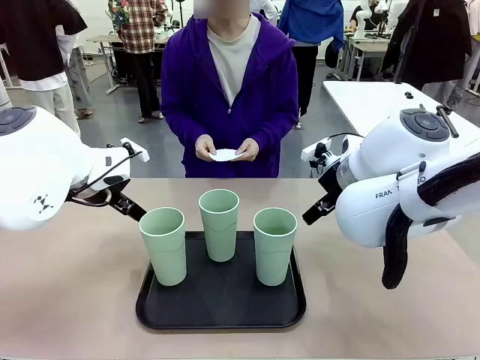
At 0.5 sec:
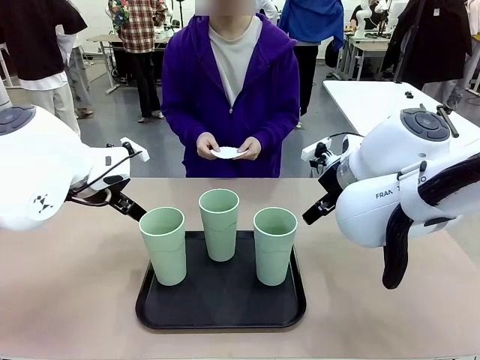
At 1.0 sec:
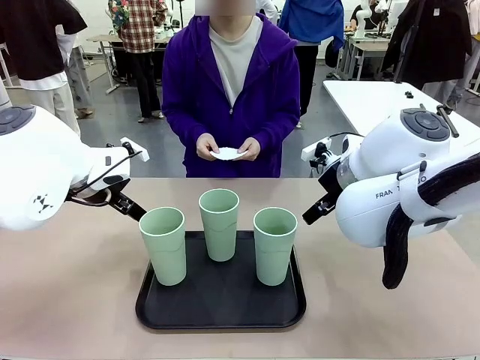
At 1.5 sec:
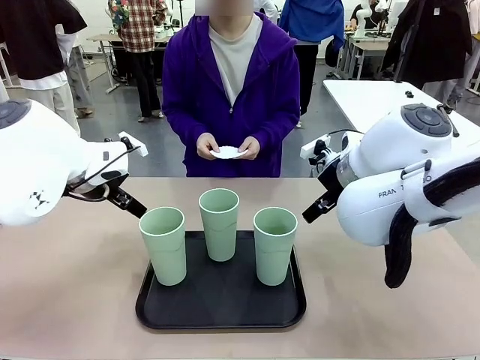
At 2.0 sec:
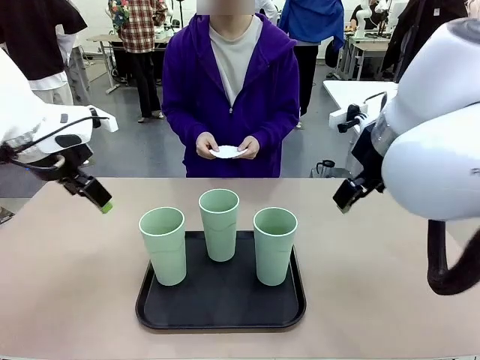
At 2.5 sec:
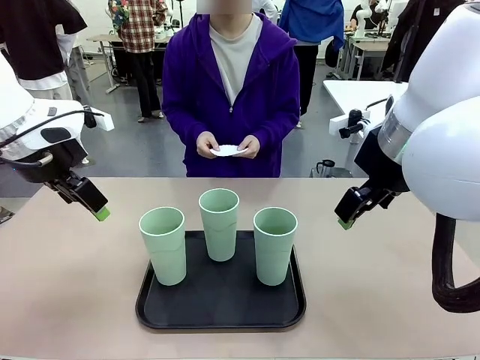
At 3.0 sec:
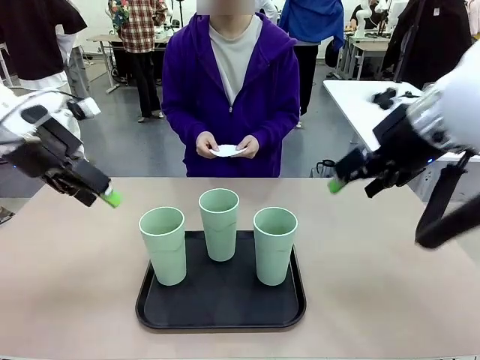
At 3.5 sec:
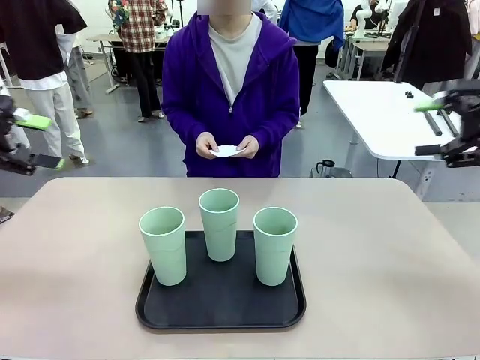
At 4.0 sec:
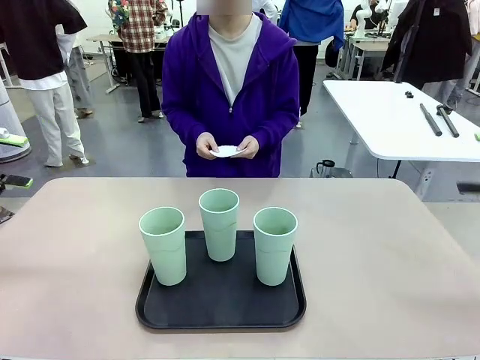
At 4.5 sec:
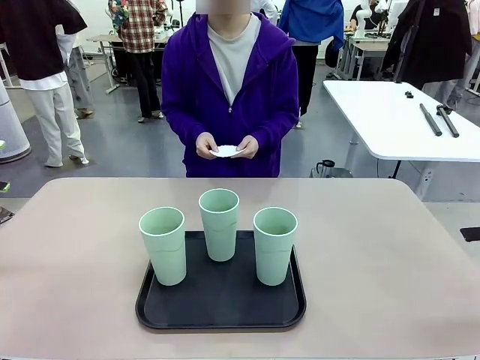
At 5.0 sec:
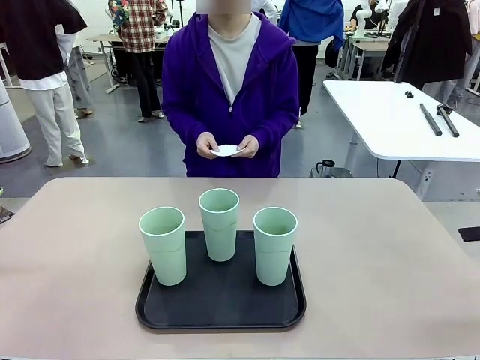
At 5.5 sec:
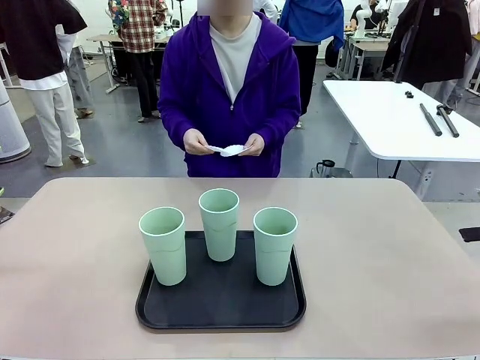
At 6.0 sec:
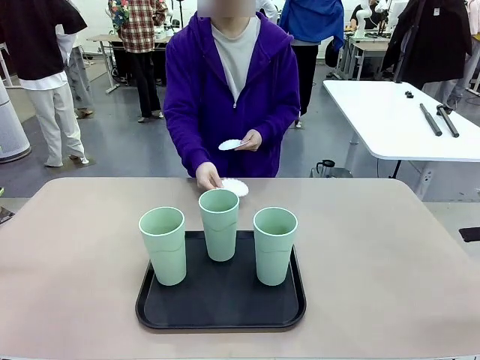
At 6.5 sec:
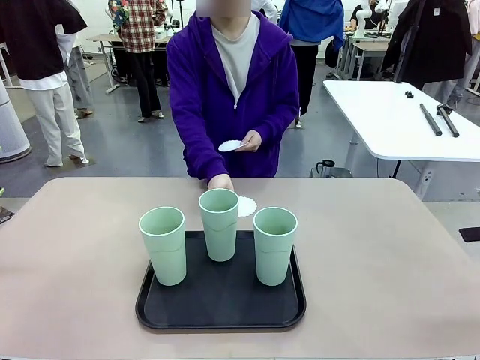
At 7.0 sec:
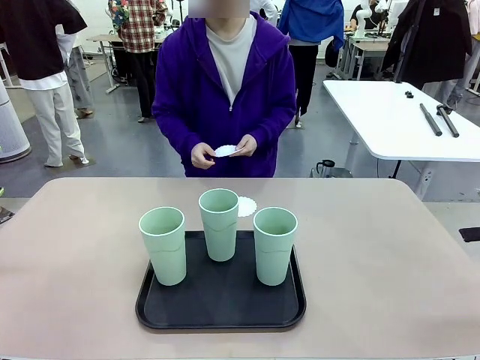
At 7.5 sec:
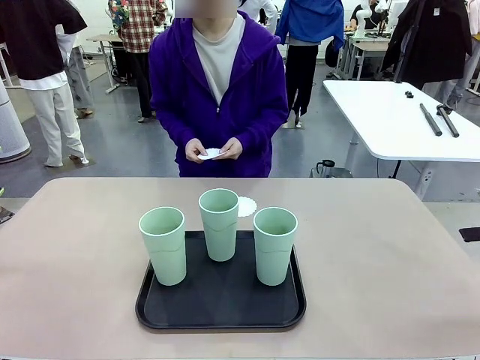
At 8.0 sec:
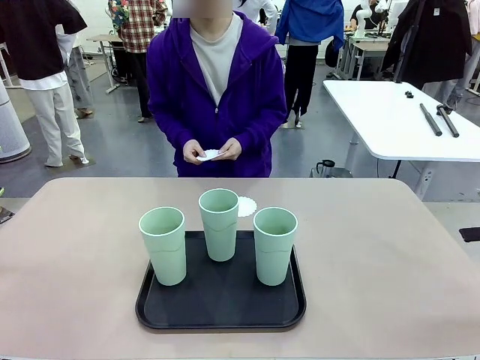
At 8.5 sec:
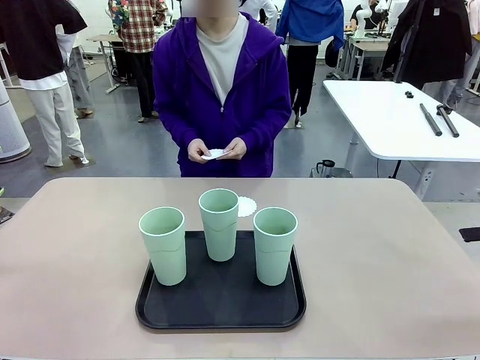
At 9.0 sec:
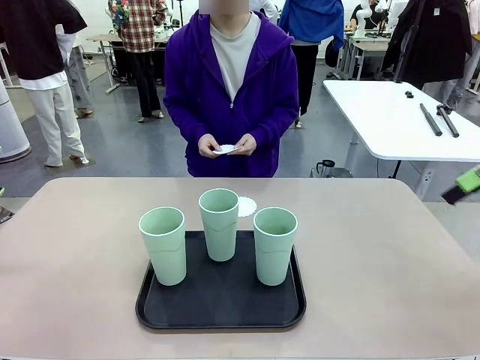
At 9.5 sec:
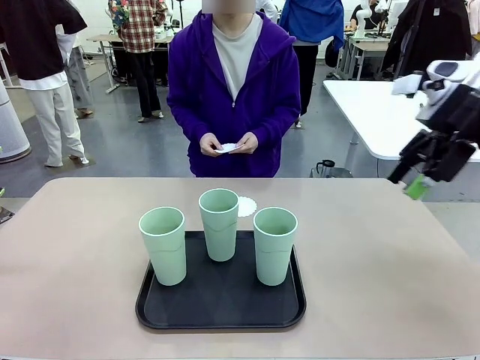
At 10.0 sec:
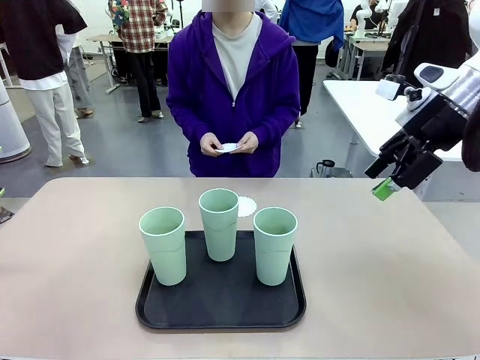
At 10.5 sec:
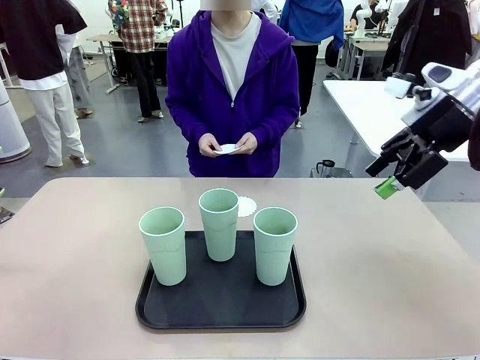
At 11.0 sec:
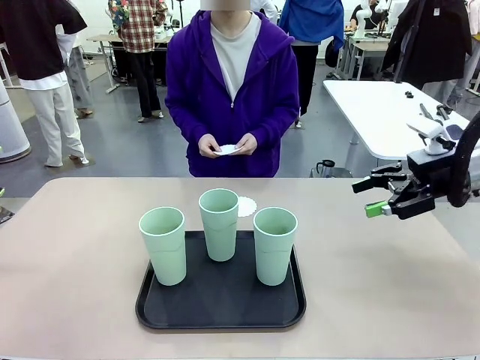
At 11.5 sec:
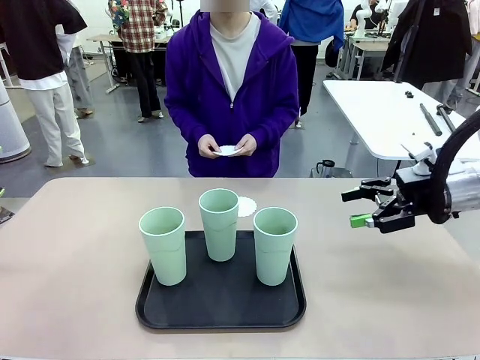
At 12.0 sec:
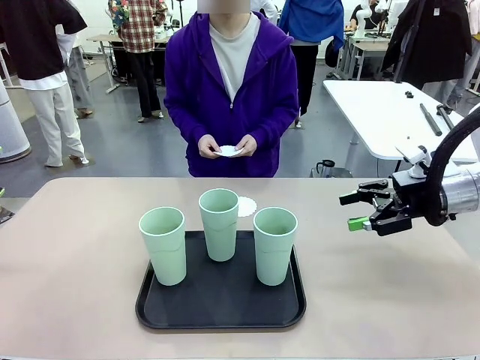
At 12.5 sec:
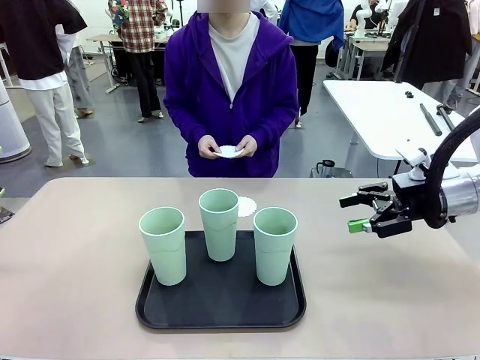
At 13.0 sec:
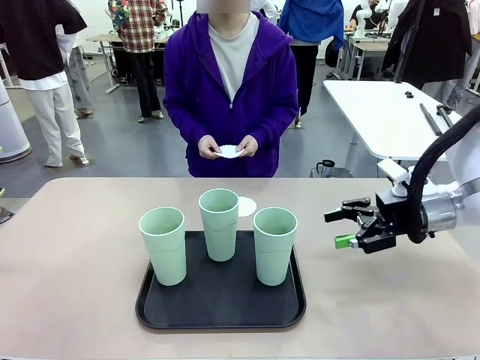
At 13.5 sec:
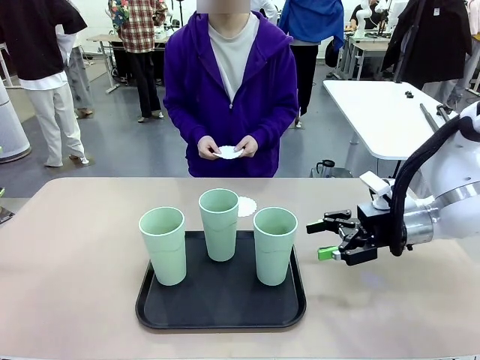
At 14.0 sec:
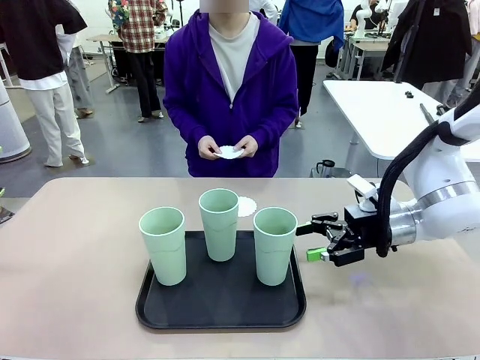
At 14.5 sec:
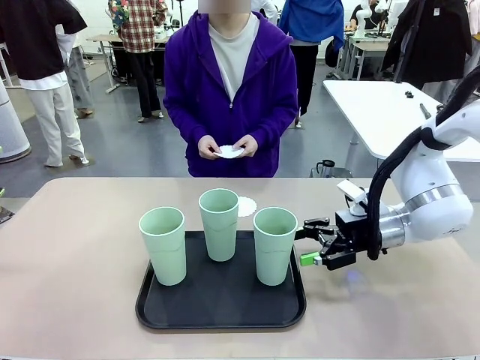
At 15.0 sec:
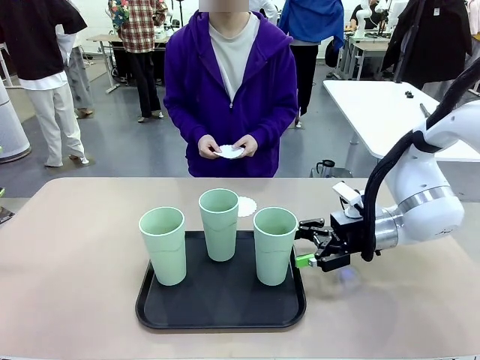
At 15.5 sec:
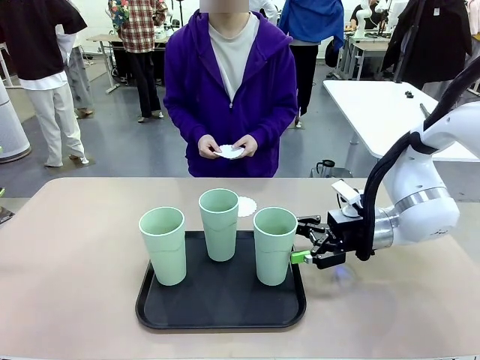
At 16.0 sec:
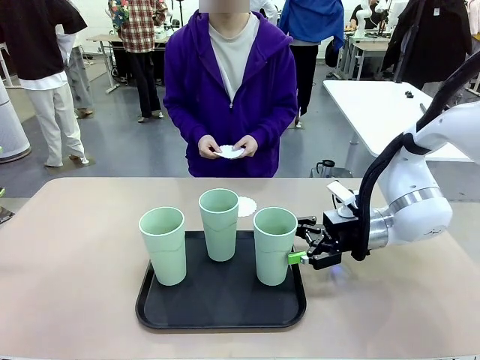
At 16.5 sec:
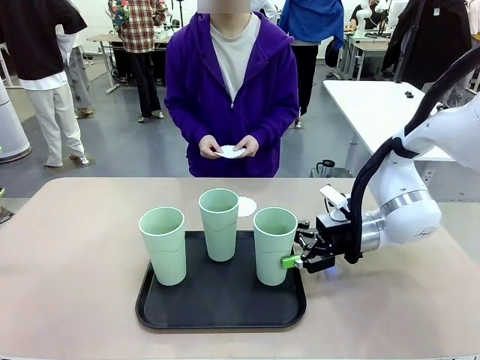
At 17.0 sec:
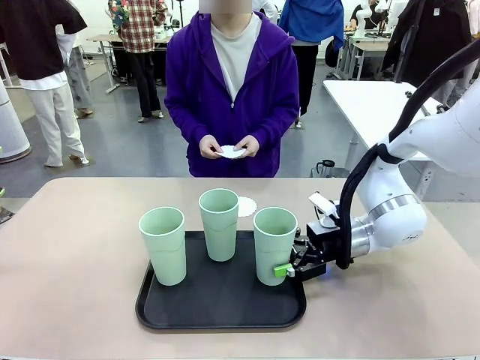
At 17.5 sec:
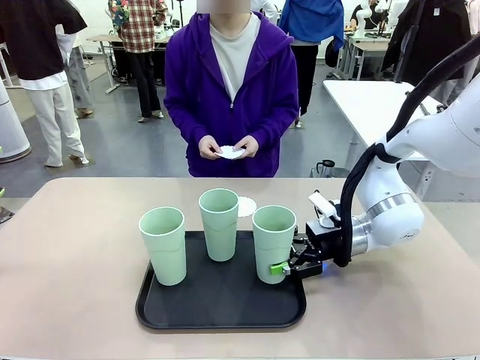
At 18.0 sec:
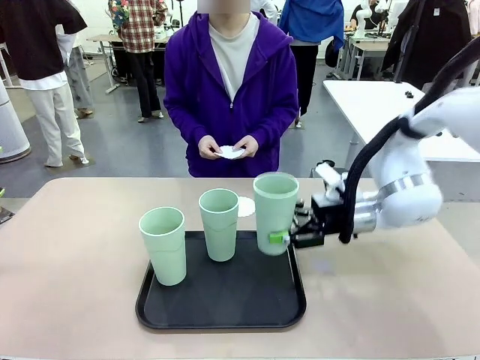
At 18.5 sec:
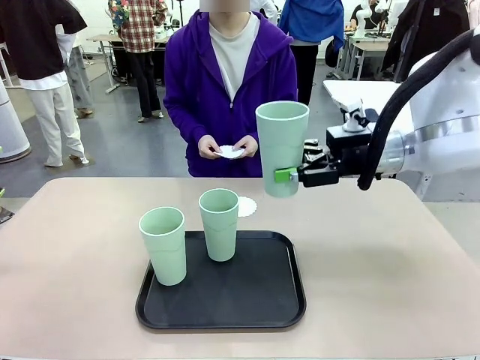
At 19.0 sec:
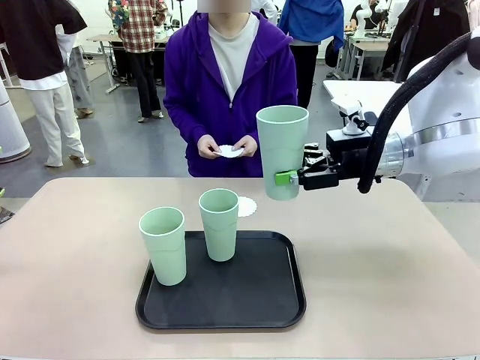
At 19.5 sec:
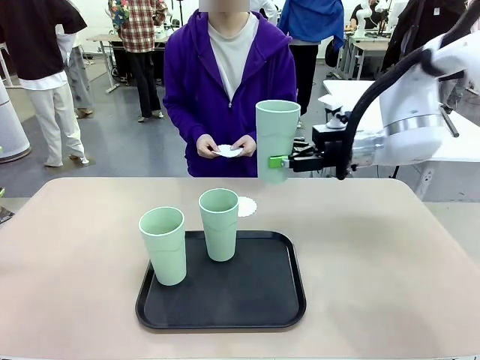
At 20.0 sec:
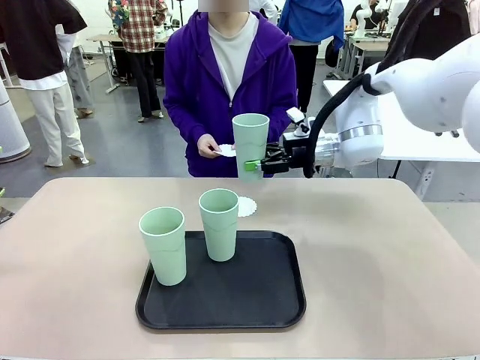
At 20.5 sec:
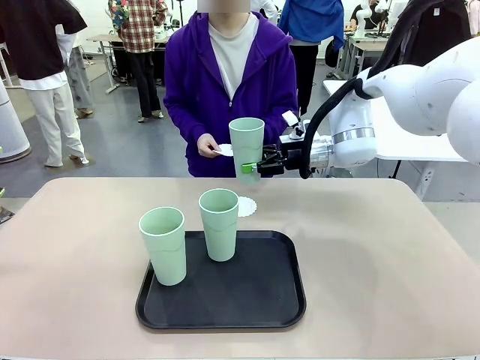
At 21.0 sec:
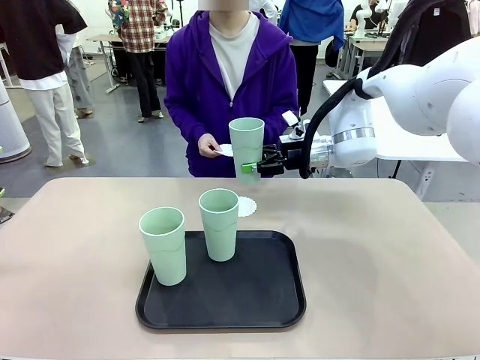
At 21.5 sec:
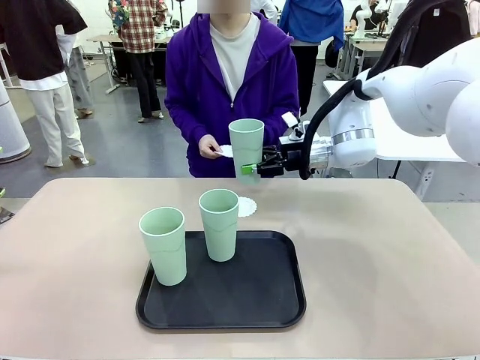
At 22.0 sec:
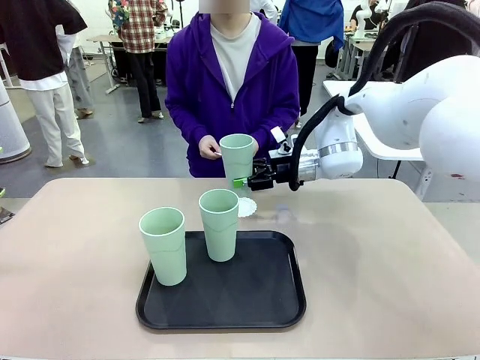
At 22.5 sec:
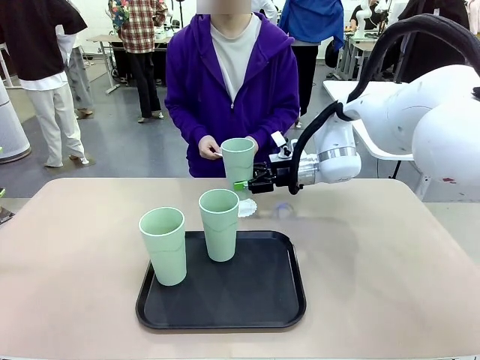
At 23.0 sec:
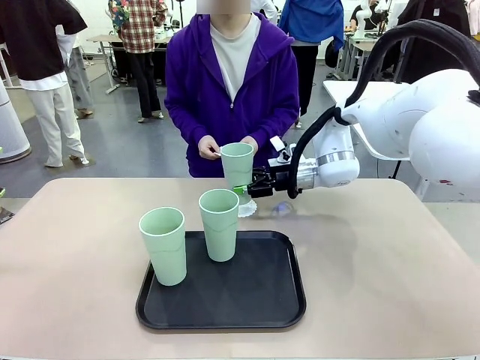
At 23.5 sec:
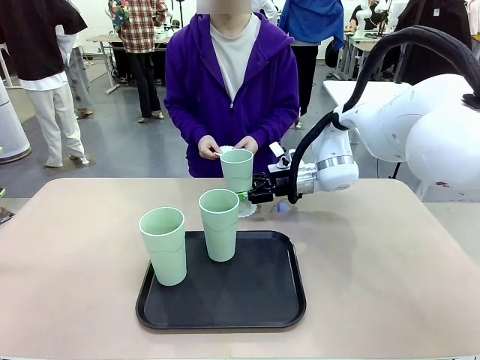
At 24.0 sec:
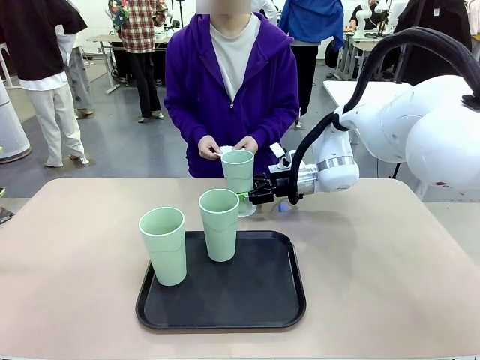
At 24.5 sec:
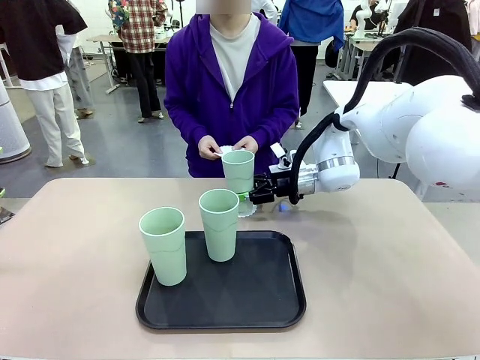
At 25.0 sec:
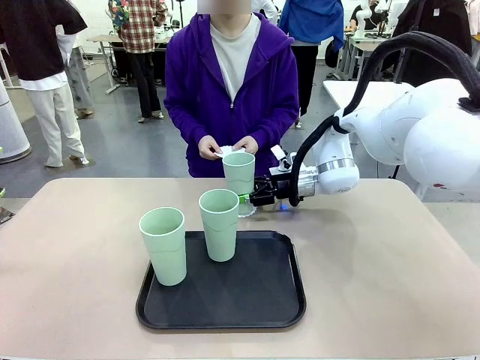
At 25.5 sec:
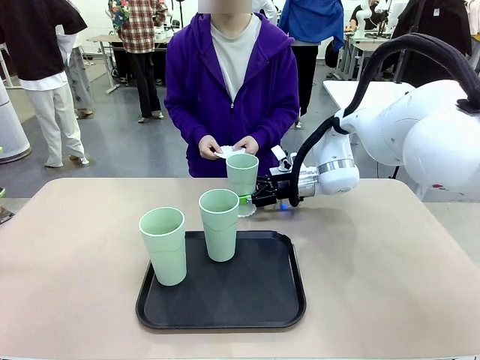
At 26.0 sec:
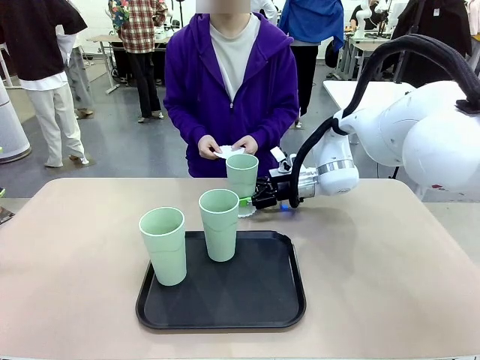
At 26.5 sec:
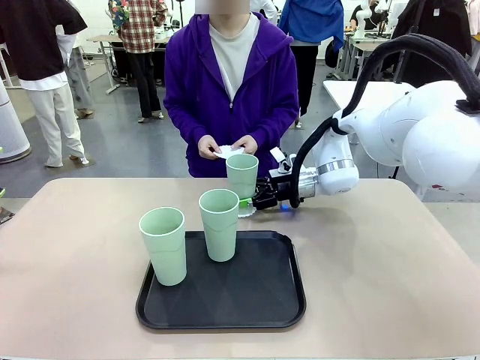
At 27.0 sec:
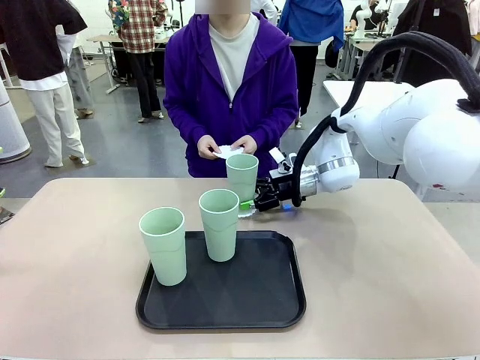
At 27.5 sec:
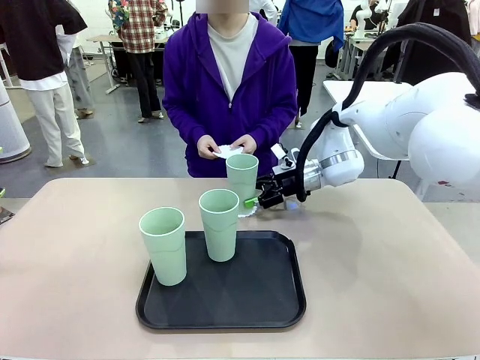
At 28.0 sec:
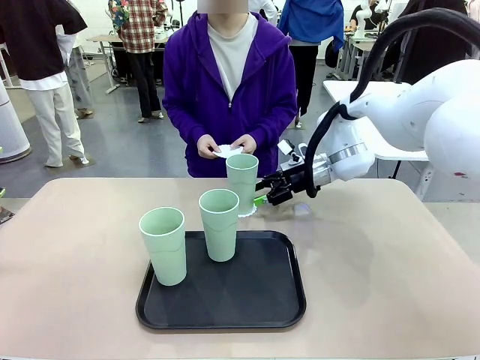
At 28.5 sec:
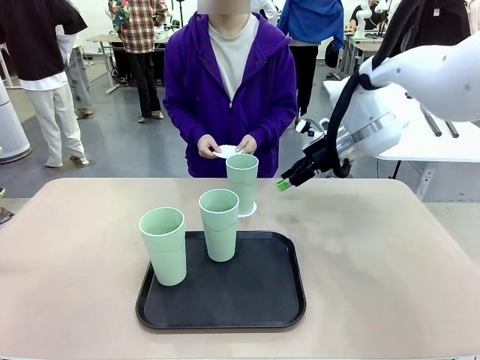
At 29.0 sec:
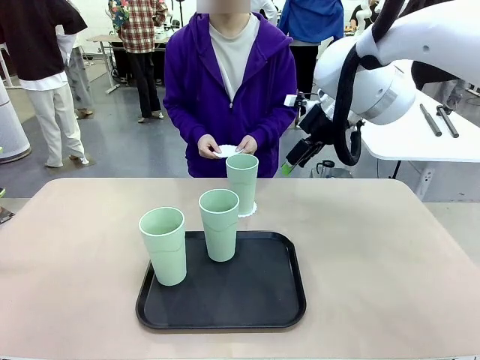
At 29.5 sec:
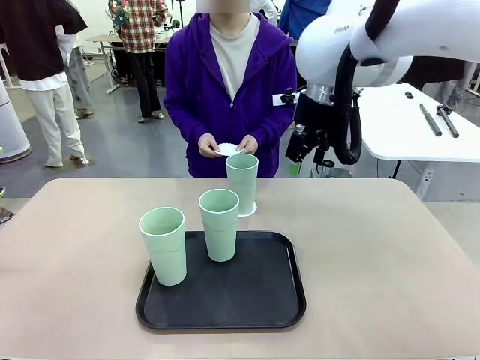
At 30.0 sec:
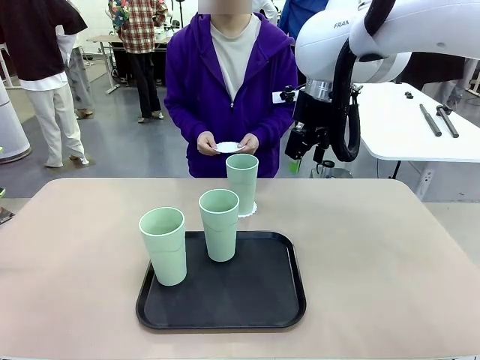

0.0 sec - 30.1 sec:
Task: Place coasters on the table and set cups on them.
Robot: Pick up one Reusable plastic cup and place it on a coaster set by the human.
Person: Place one coaster in any one of the three lower areas of the robot table (left, center, or right). Place one coaster in one of the two areas excluding the previously selected area.
